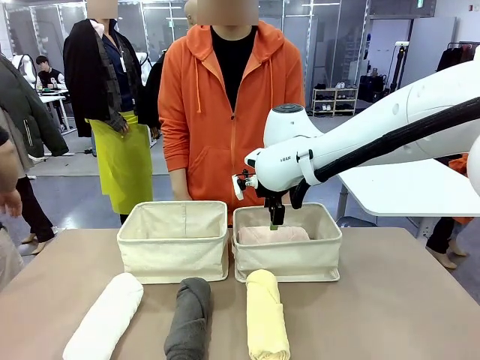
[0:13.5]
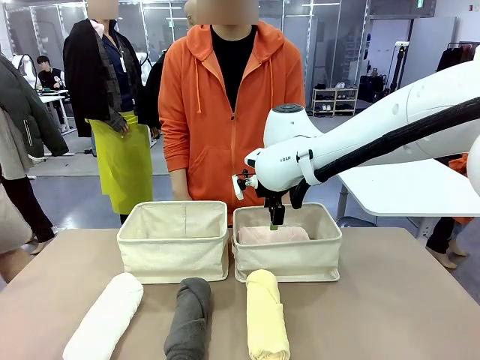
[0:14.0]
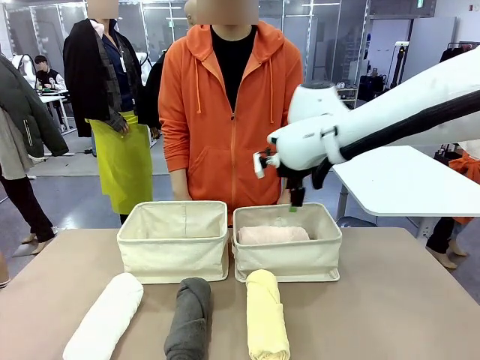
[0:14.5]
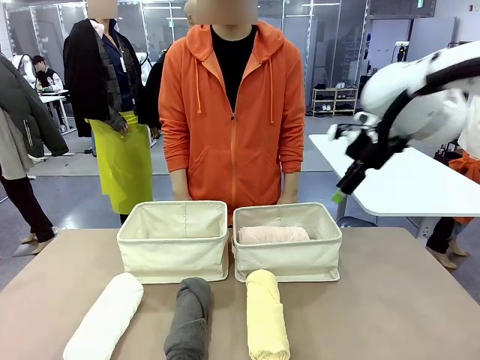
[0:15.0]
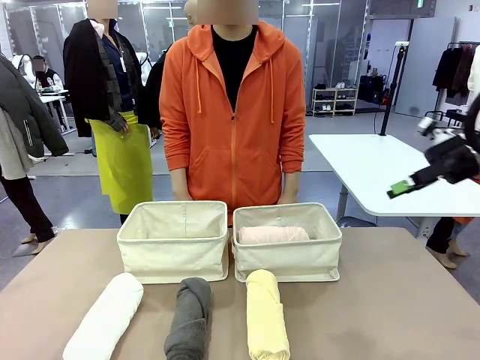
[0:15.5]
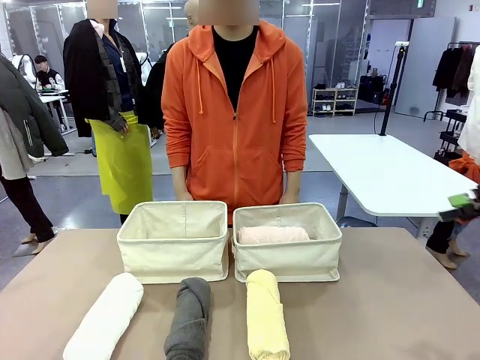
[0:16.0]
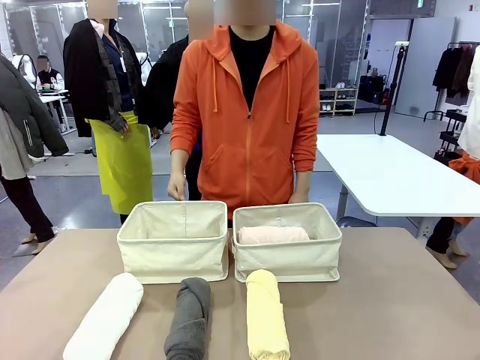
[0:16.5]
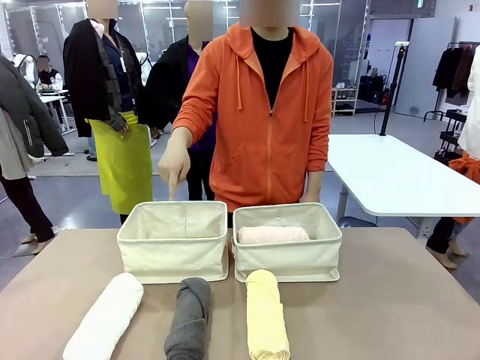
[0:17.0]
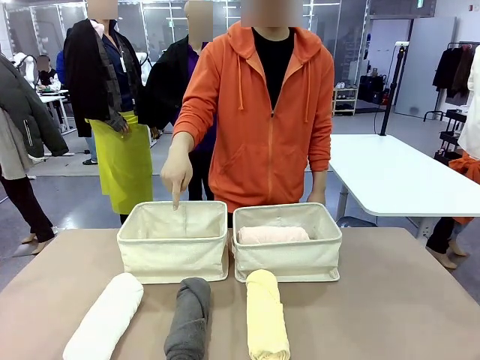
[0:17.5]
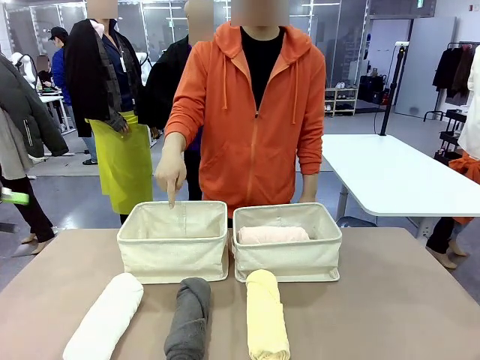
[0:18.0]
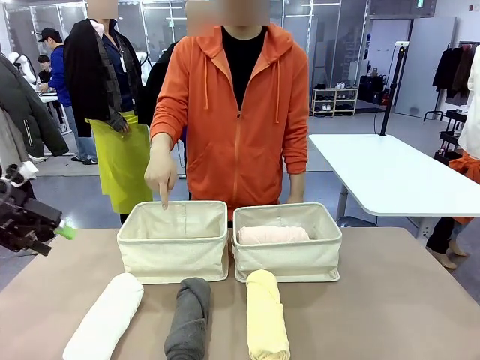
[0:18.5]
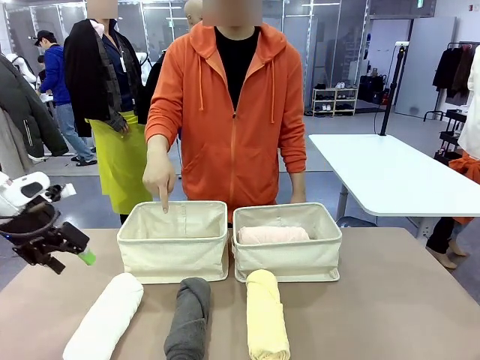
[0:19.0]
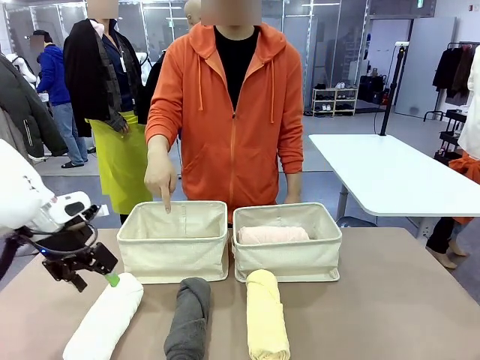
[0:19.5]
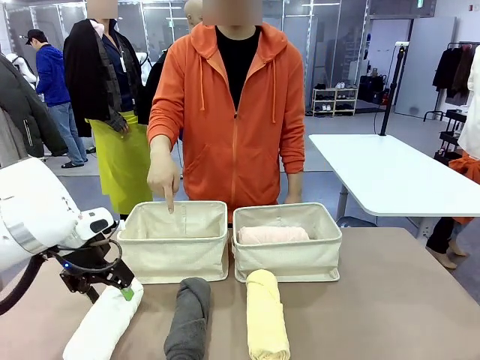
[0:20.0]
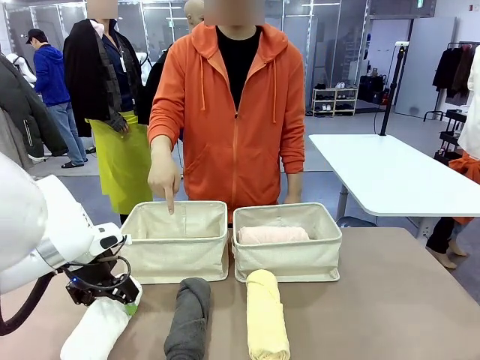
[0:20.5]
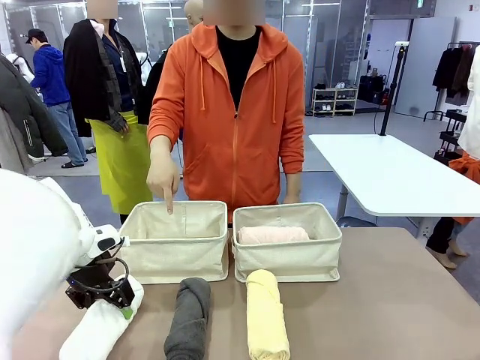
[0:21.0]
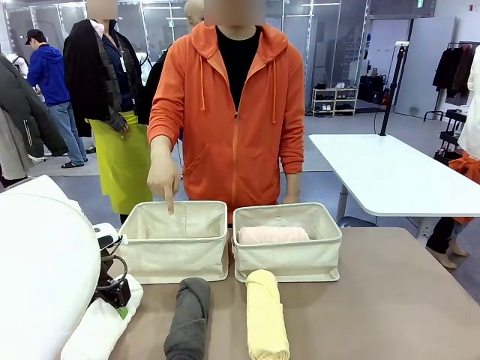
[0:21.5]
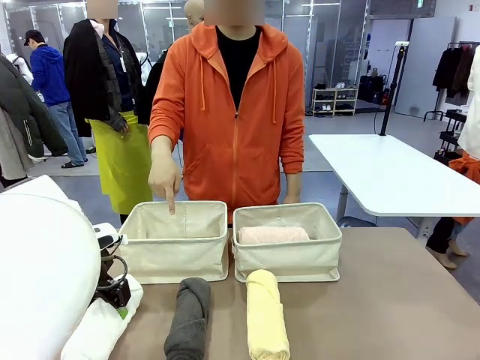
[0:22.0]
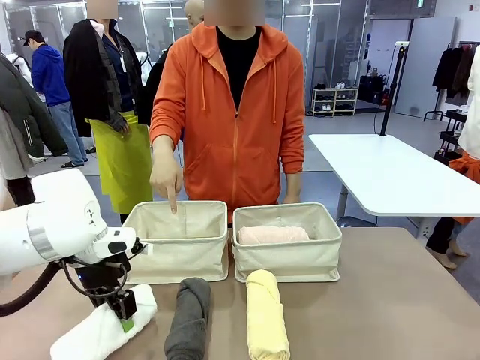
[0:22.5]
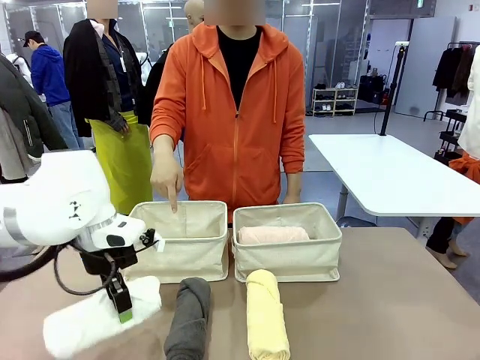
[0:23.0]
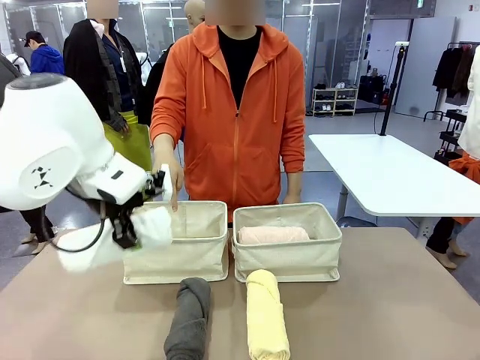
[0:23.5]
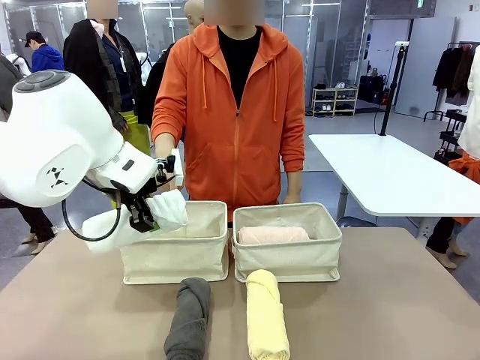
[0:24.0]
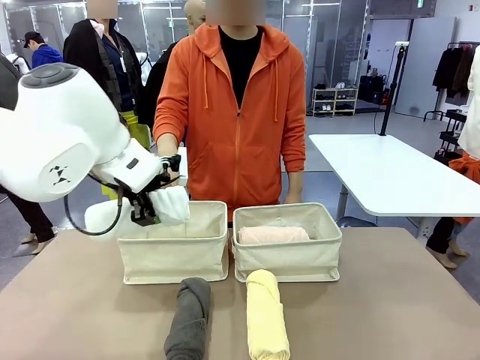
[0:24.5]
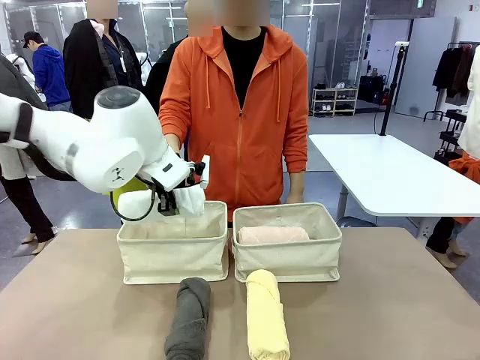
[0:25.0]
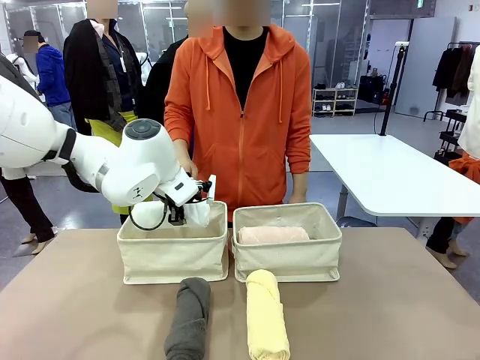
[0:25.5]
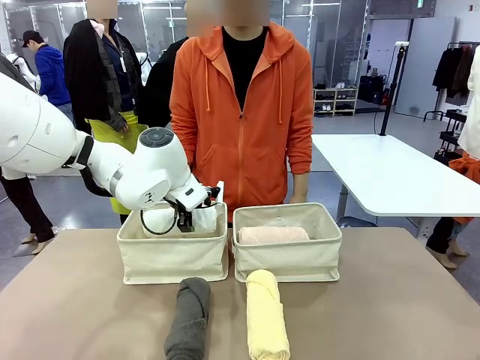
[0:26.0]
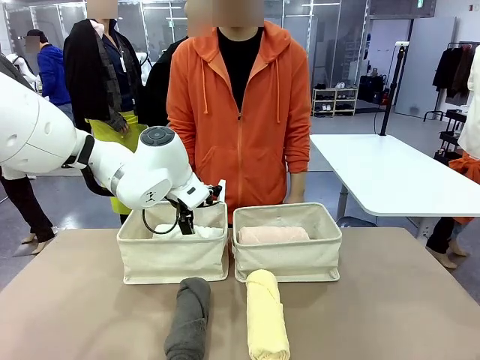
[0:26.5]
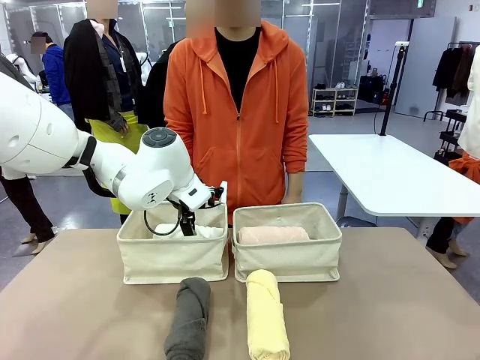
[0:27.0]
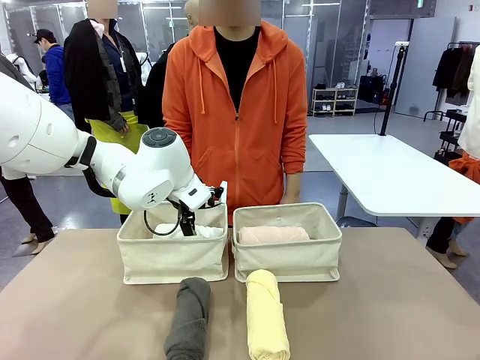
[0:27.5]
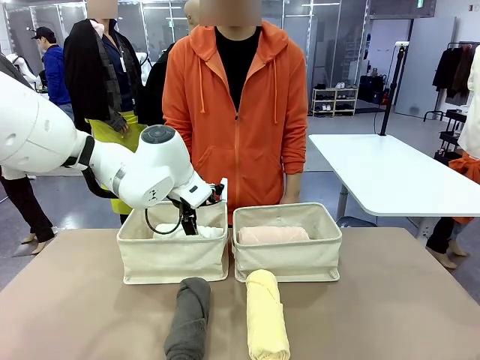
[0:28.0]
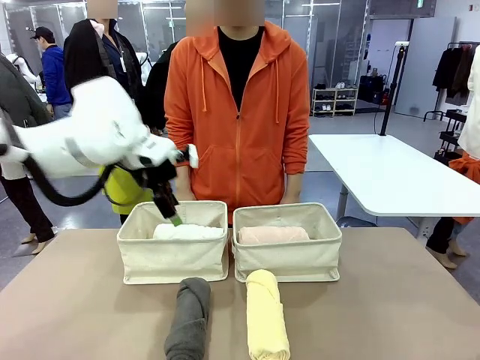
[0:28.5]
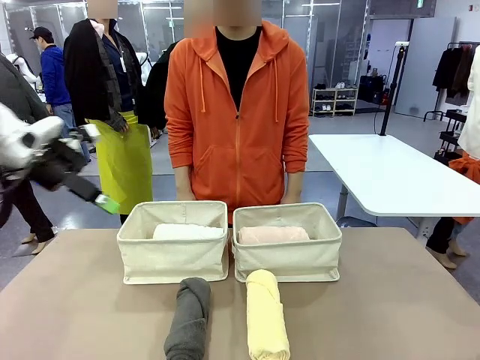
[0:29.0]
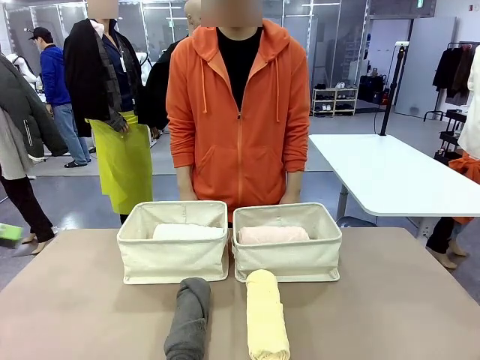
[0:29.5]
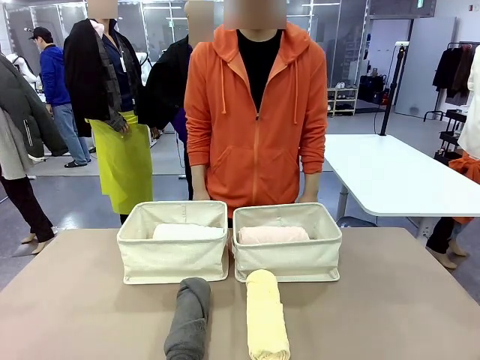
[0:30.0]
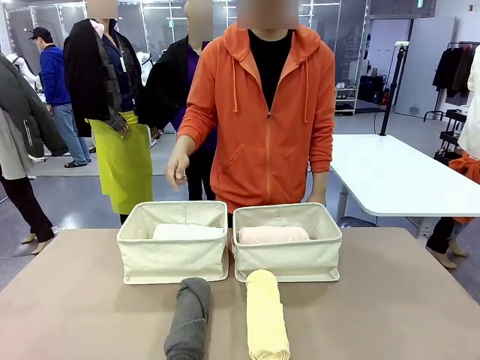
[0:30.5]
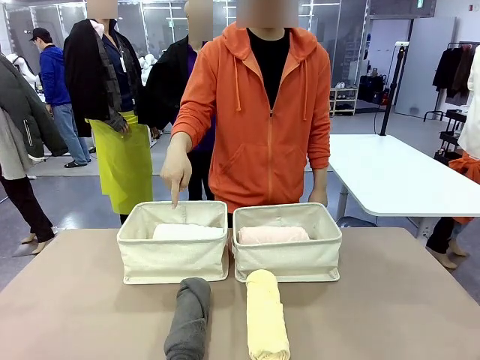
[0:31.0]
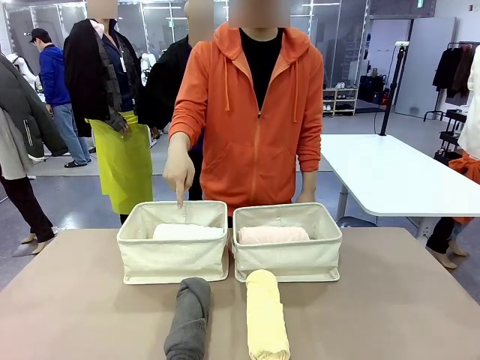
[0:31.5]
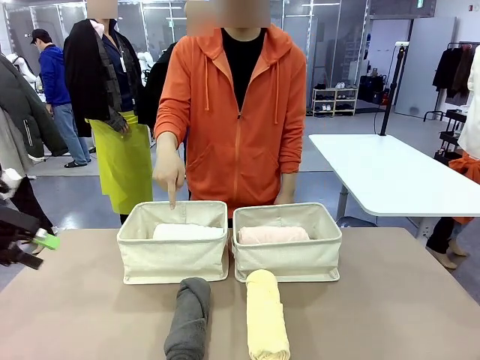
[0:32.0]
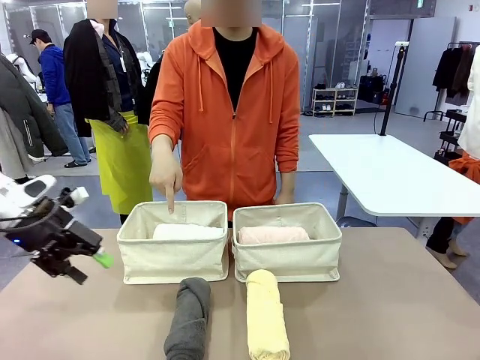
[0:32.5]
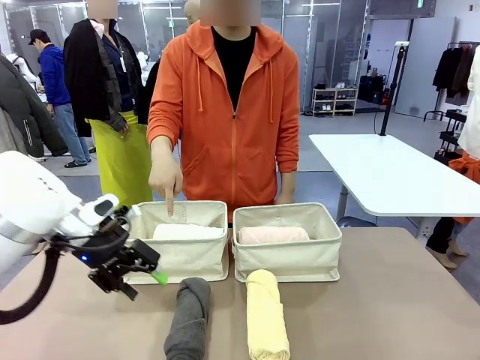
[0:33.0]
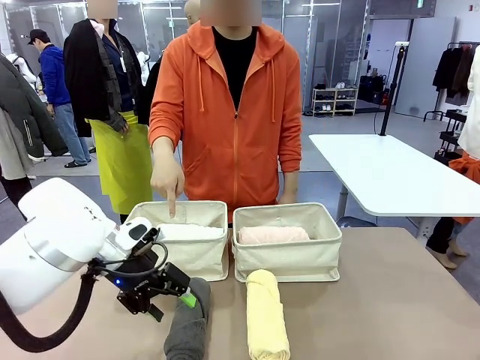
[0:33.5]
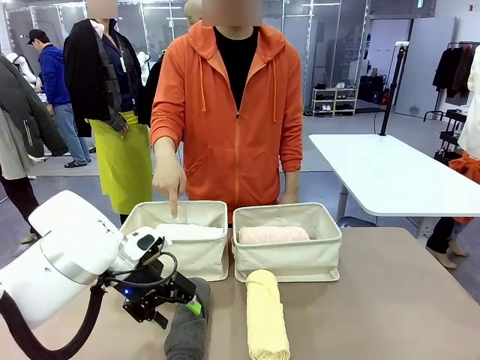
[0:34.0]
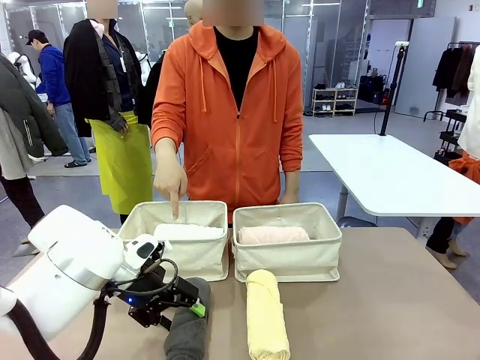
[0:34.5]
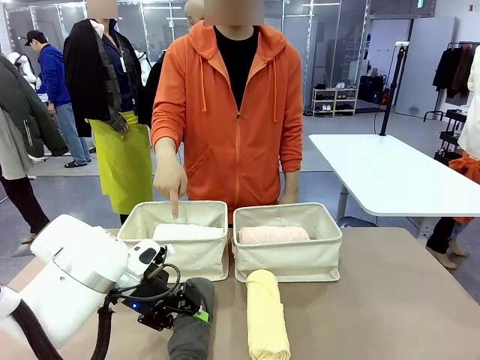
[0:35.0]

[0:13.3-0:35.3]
Task: Divide the towels into two baskets.
Robot: Pick up one hotel-folded towel from the bottom of the table and place it in the Fabric basket indicated by the person.

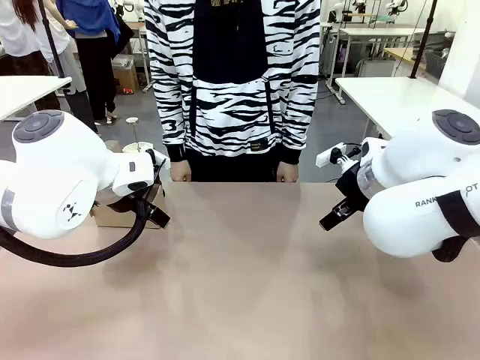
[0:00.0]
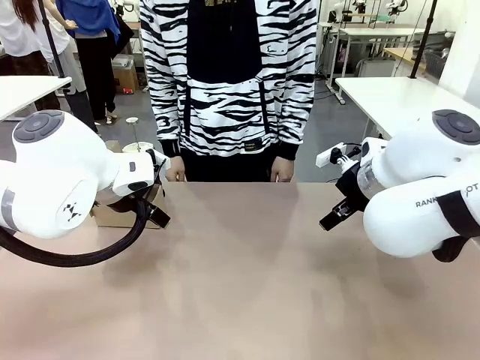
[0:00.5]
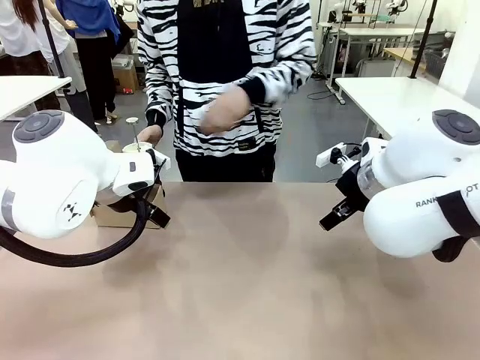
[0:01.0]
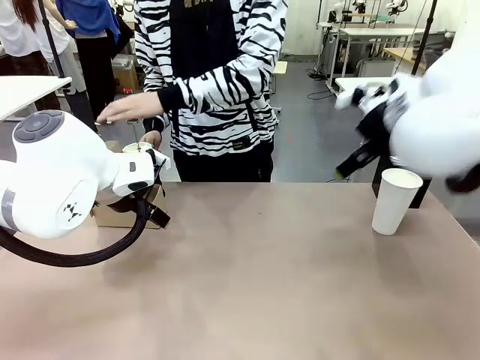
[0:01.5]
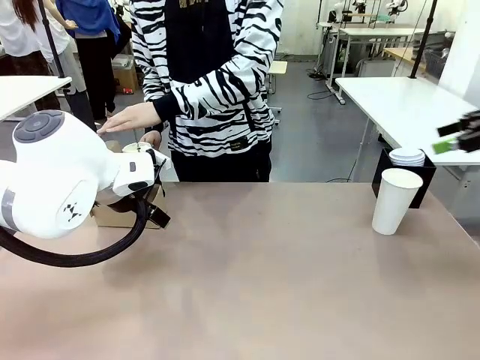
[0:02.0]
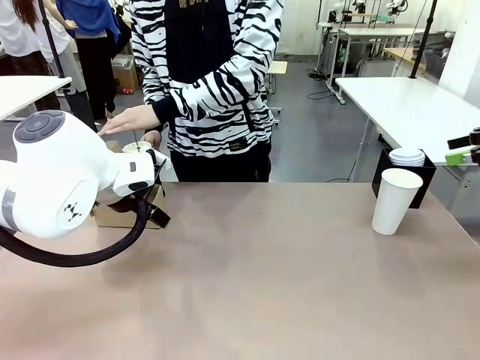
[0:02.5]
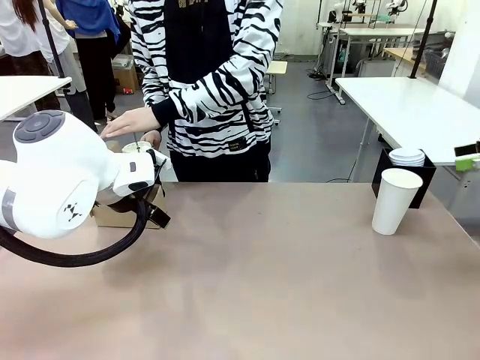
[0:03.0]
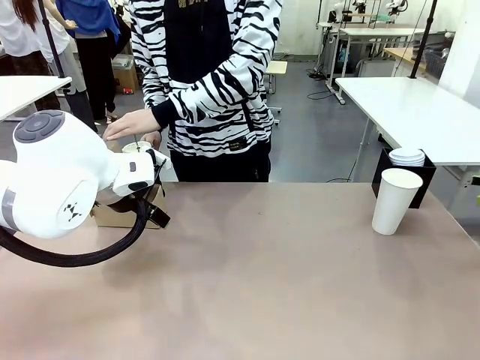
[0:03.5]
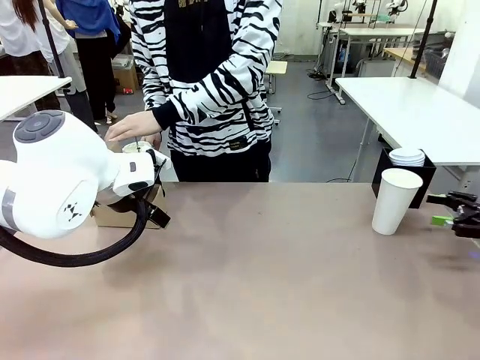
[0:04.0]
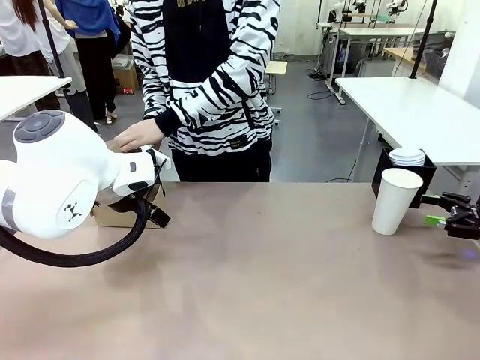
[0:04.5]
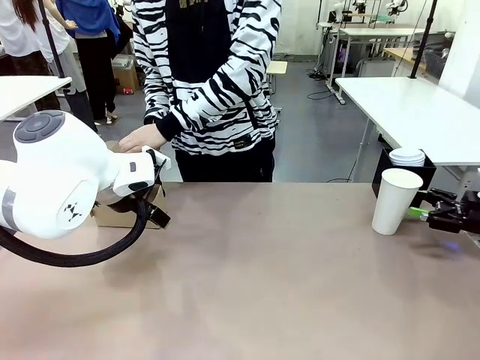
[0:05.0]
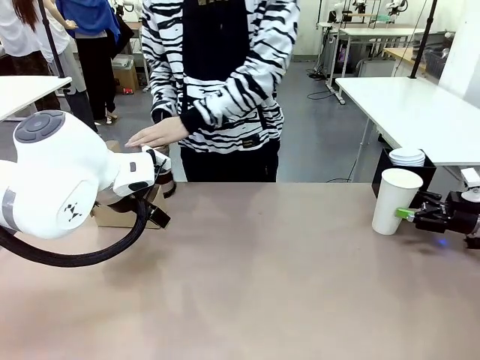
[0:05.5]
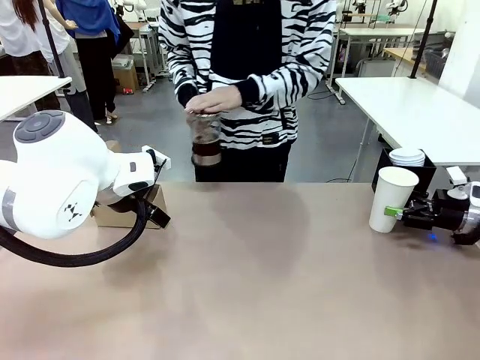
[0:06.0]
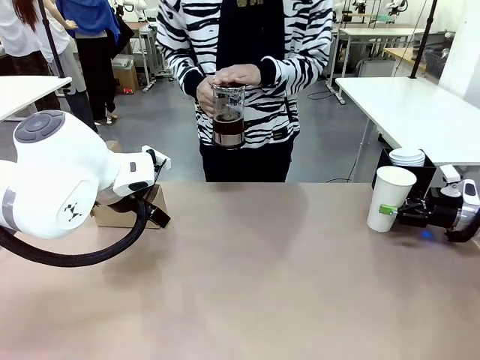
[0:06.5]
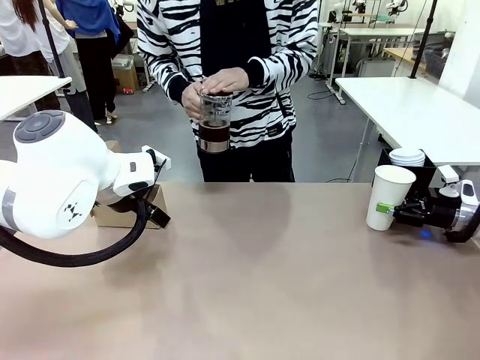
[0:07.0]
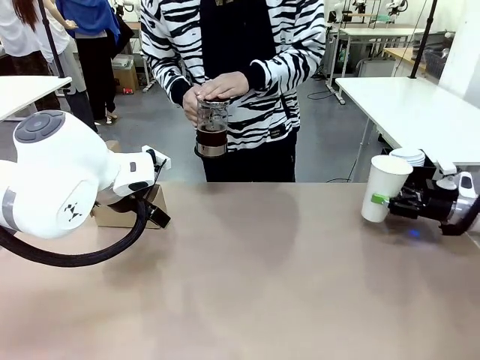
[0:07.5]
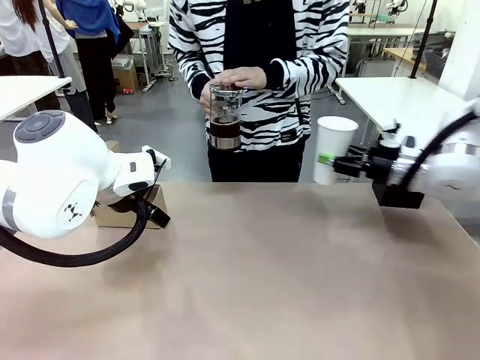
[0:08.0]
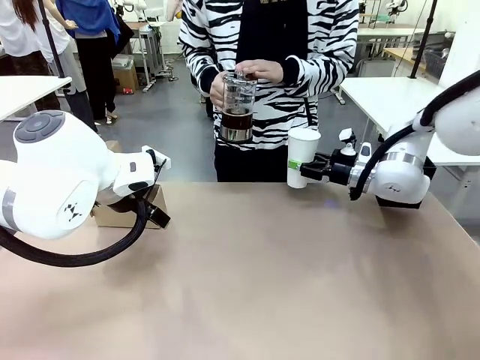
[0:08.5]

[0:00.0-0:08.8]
Task: Pour a drink into a cup and package it in a carrier.
Robot: Pick up the 600 ml Paper Cup and place it in the middle top area of the table.
Person: Press and pick up the Filter Brewing.
